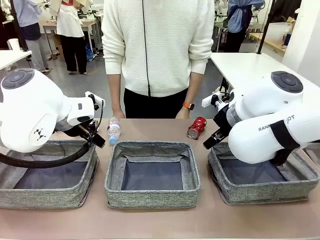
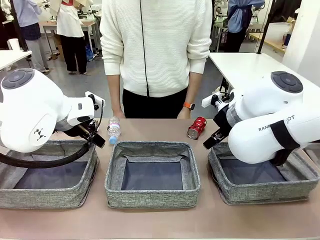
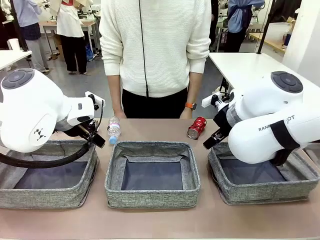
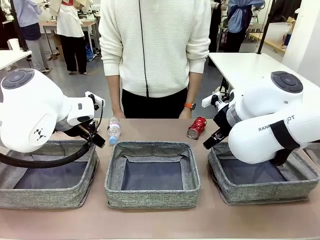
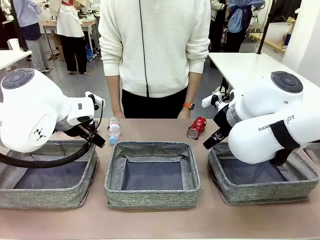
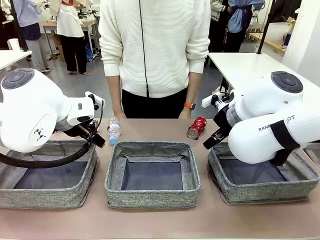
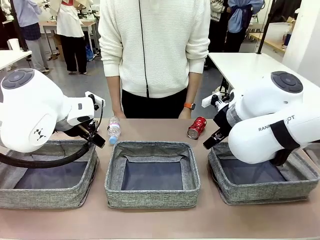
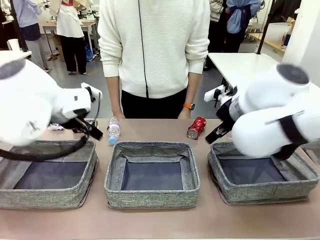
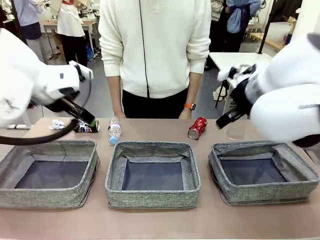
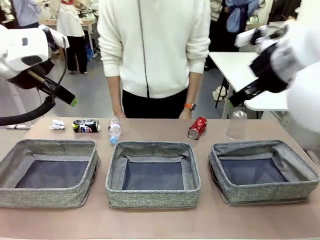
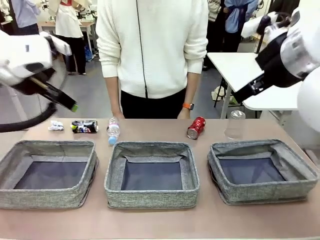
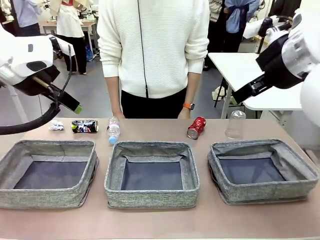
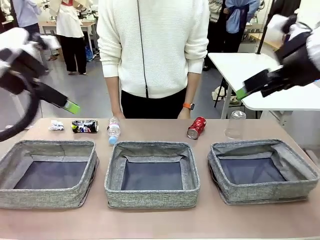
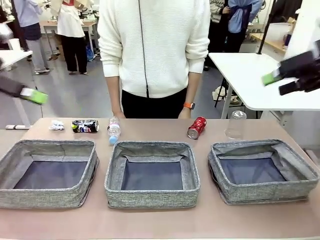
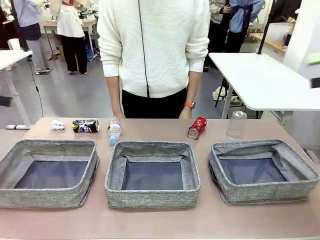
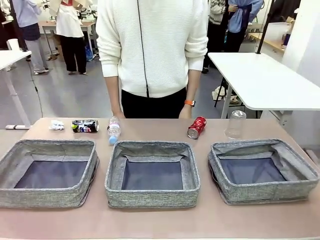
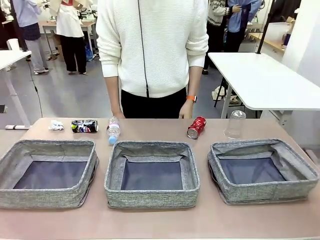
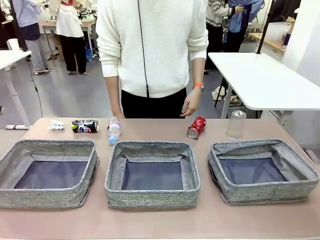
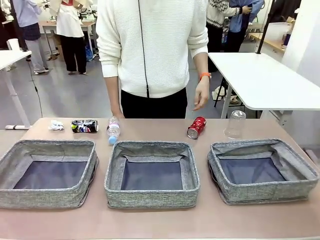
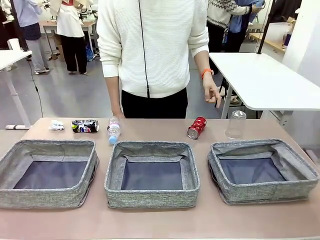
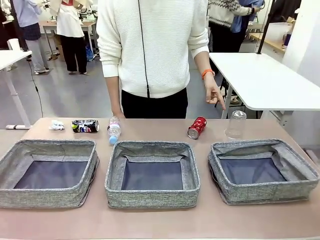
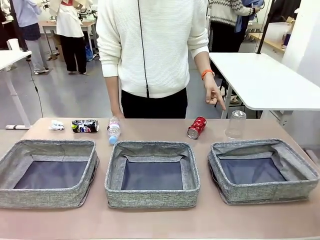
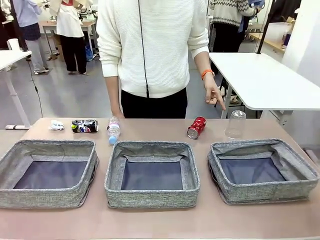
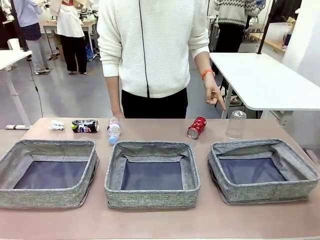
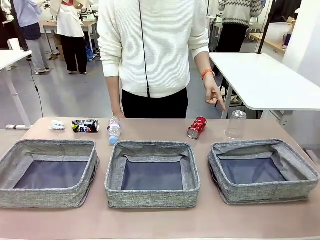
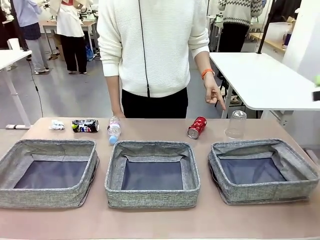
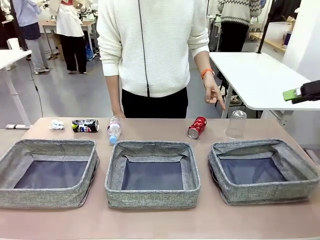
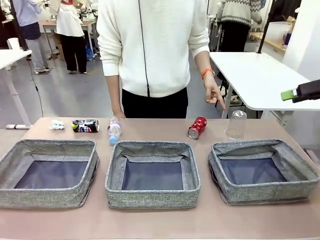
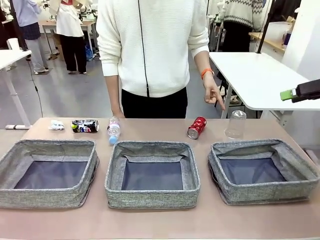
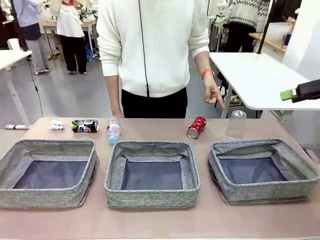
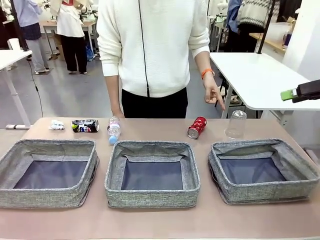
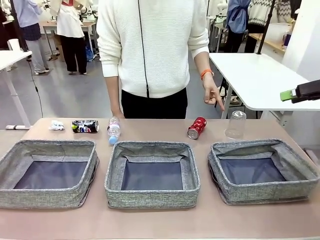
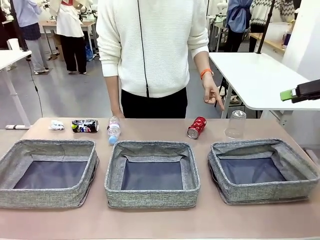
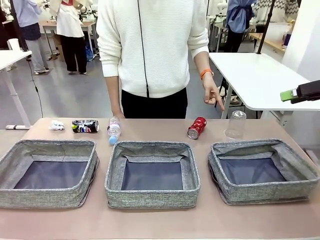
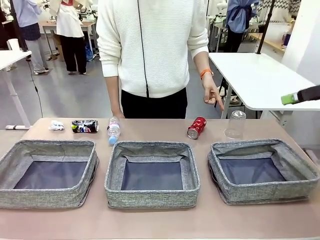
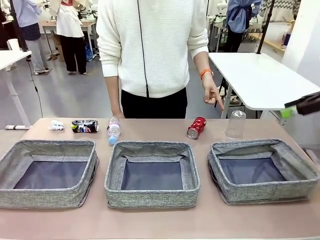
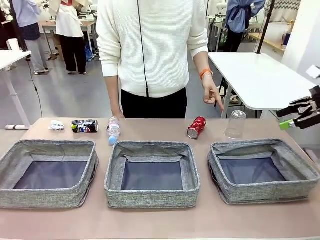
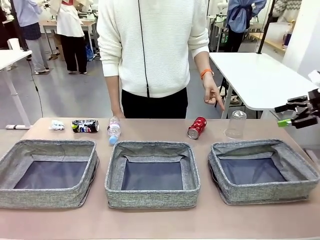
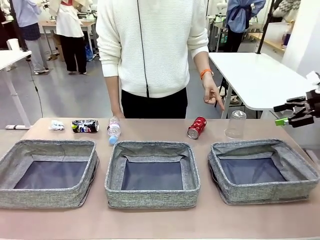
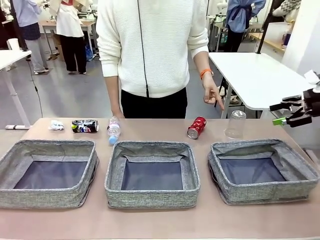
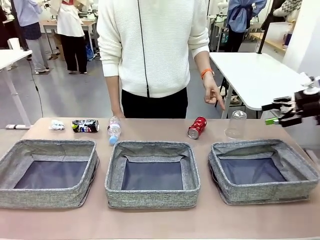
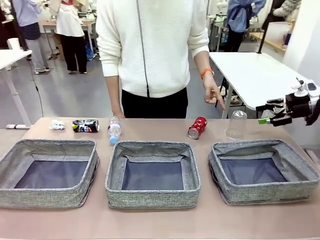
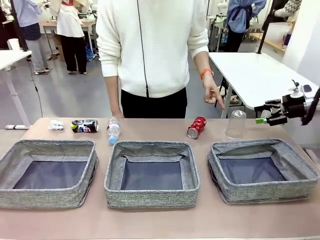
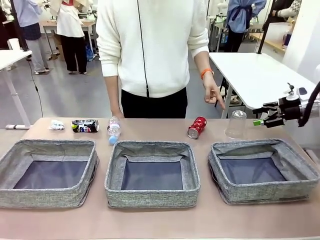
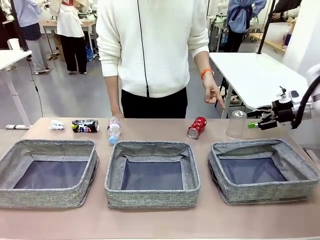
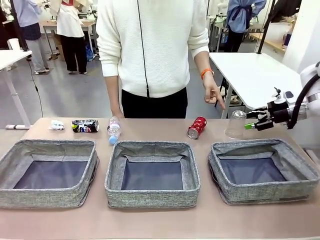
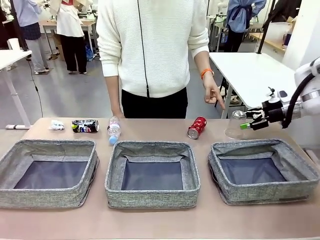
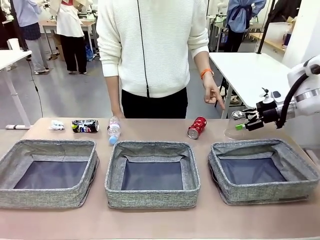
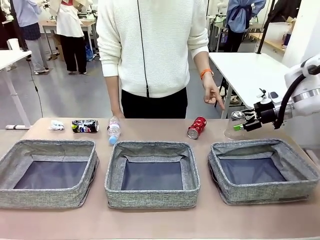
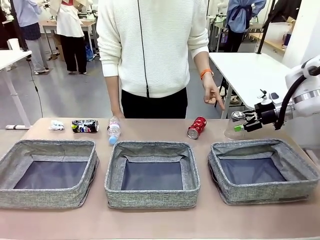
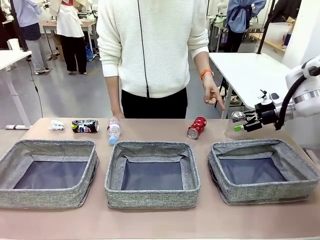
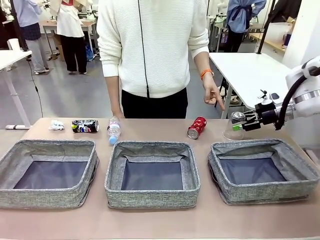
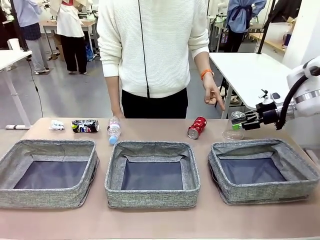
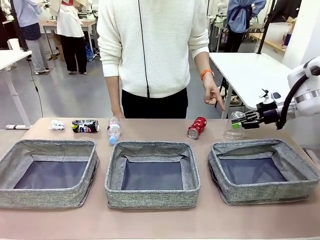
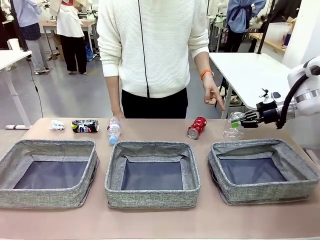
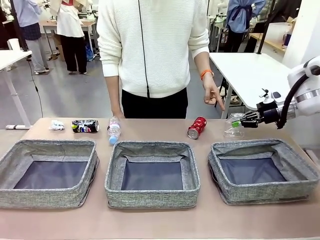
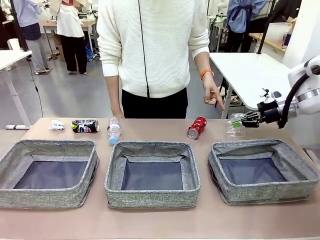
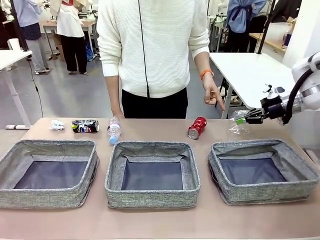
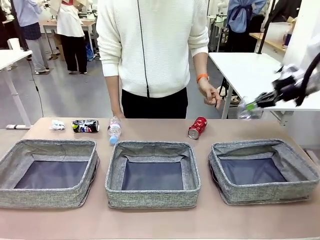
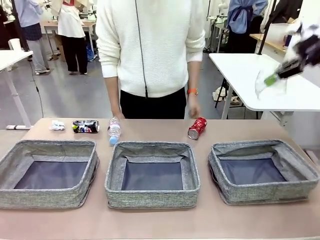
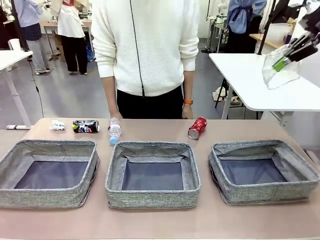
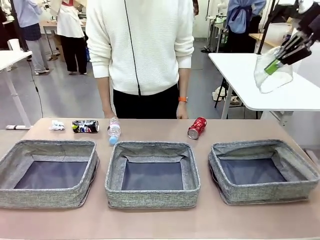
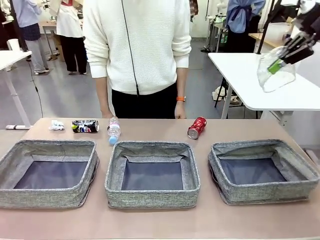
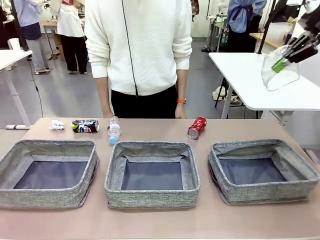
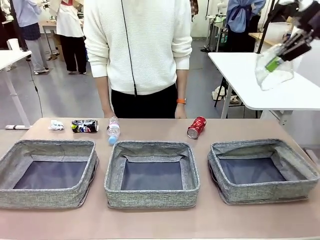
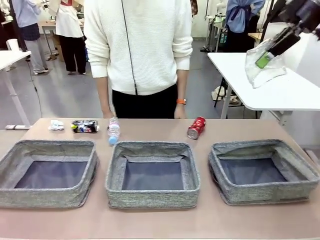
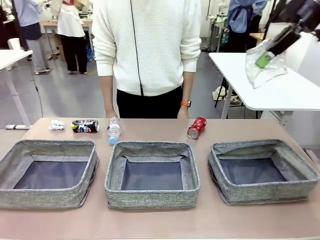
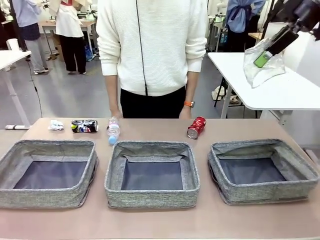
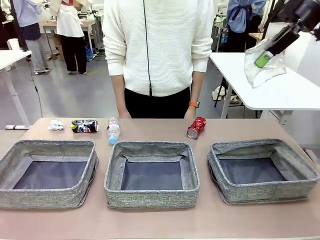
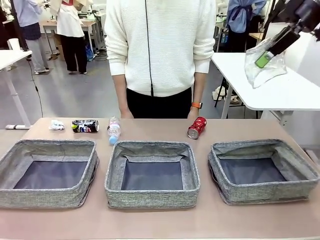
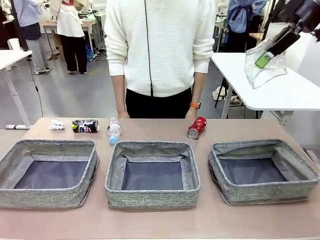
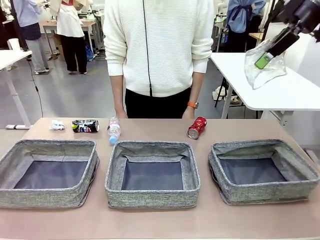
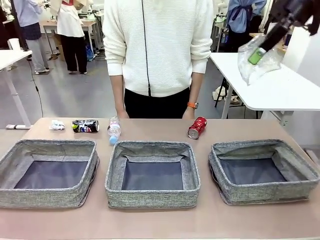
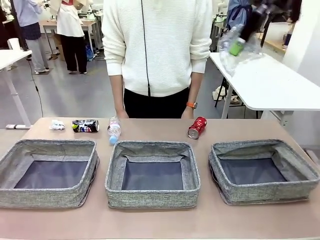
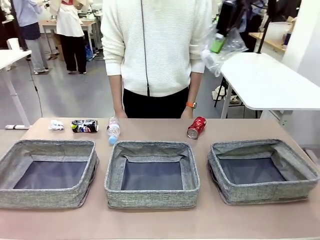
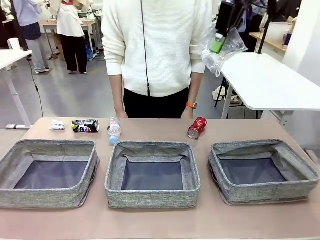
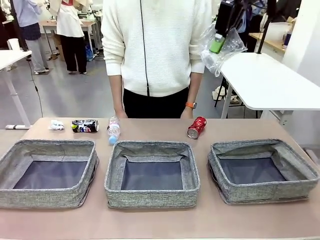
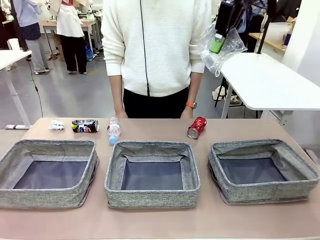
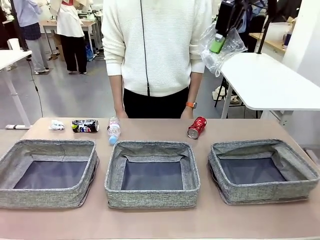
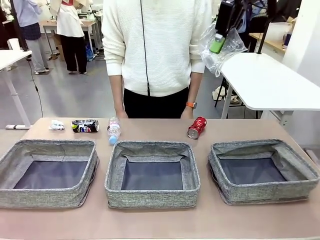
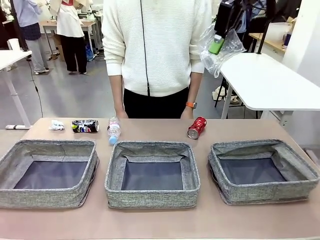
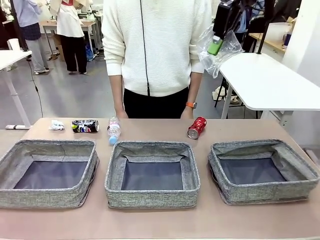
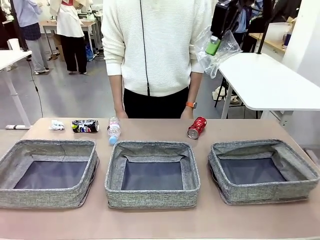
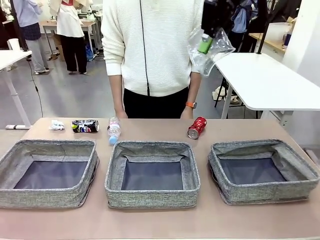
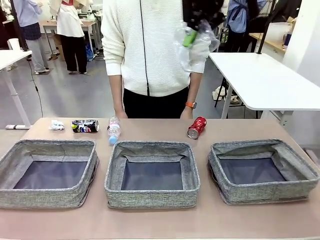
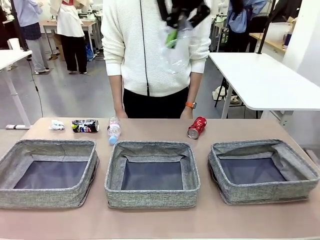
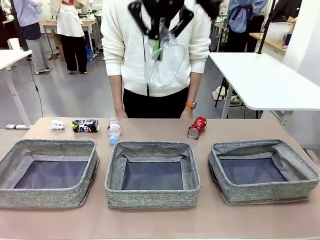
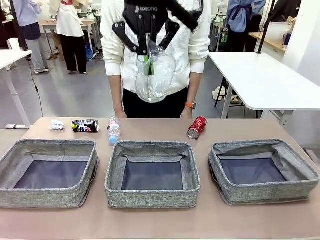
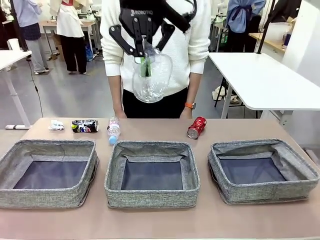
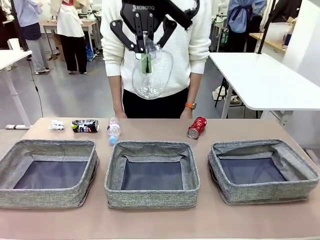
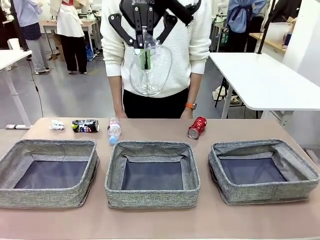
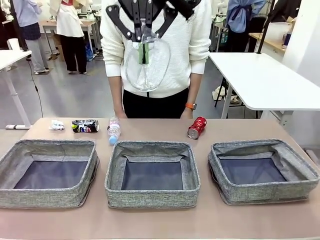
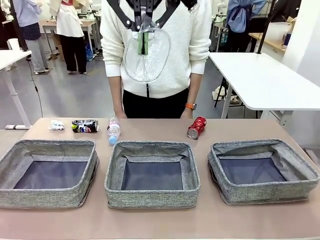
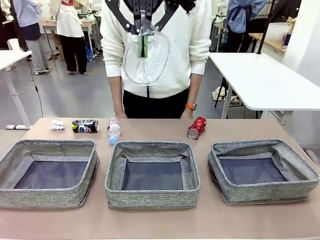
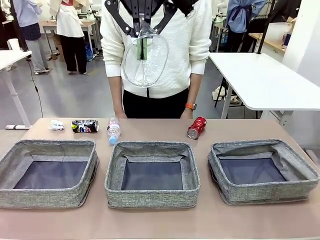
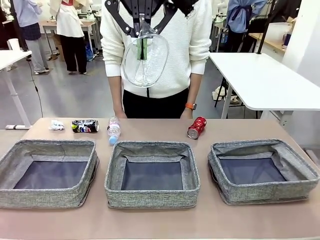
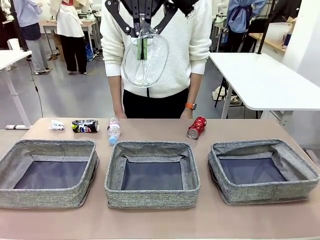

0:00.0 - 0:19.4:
Task: Sort the waste into the appropriate baskets.
Robot: Pick up the waste item pointed out by the person.
Person: Points to one piece of trash on the table. Instructs the robot to place the picked-up trash into the appropriate organizing basket.
